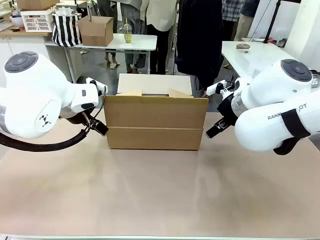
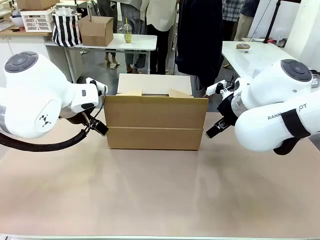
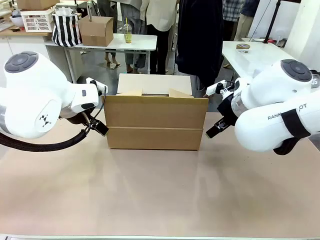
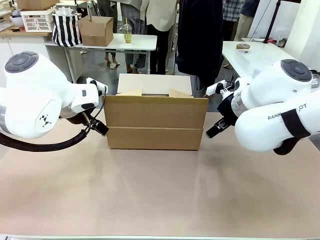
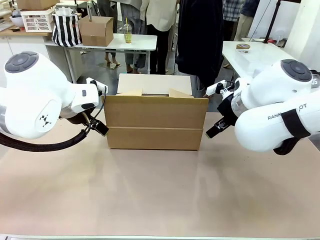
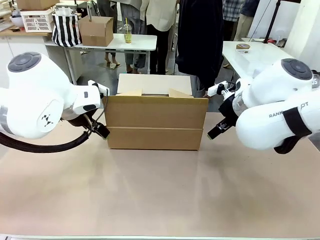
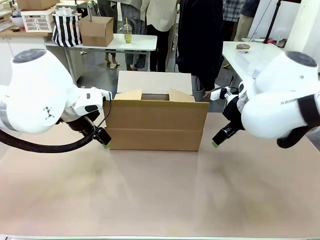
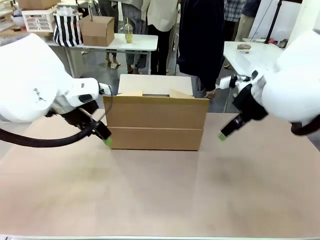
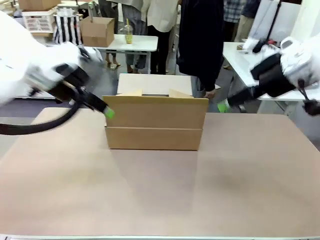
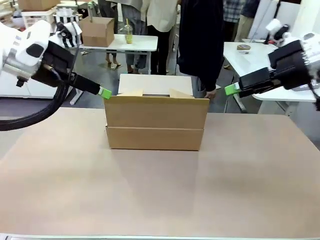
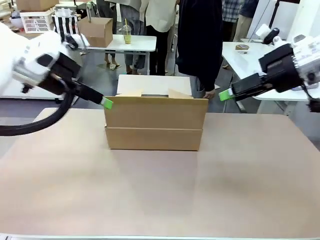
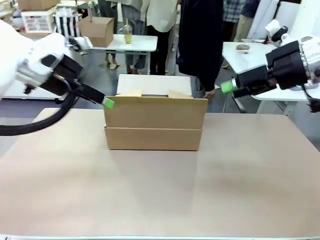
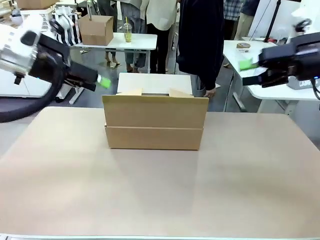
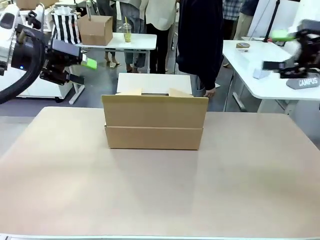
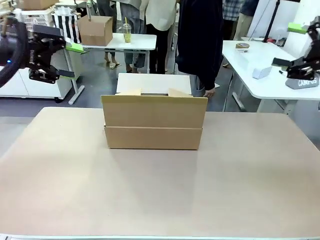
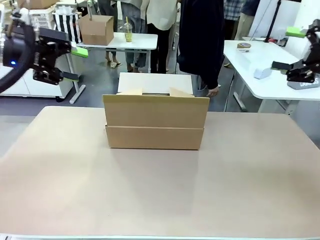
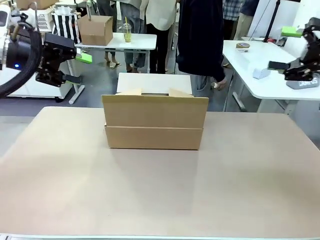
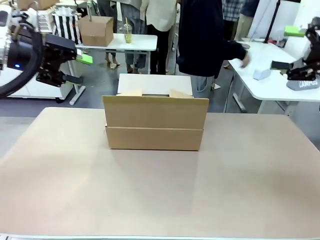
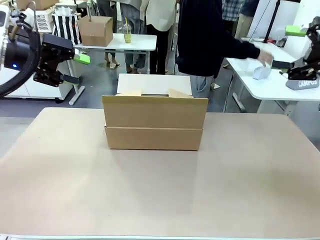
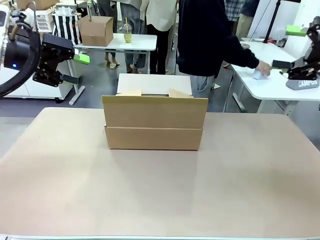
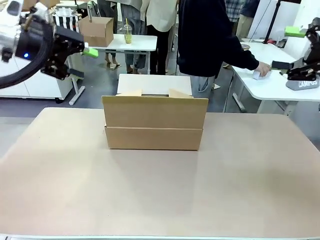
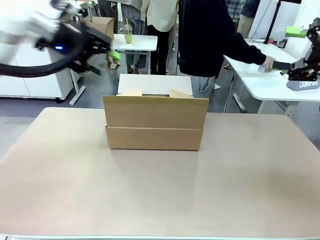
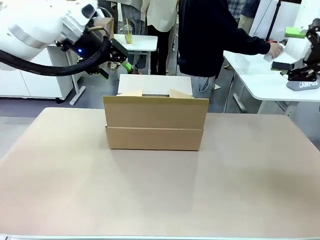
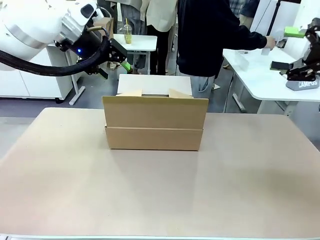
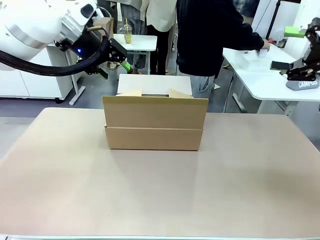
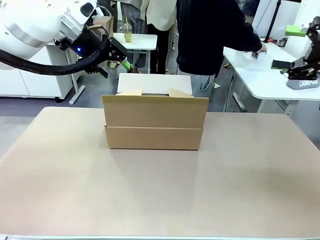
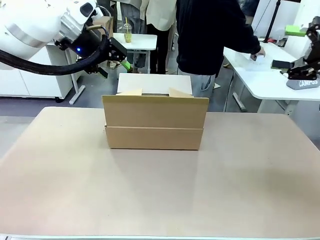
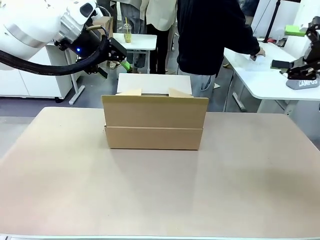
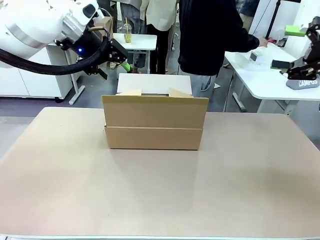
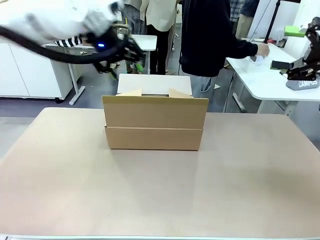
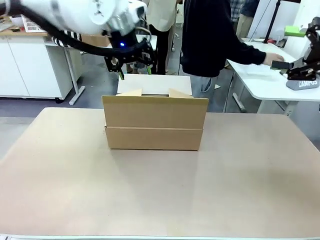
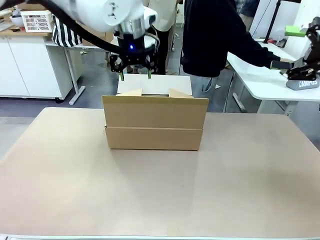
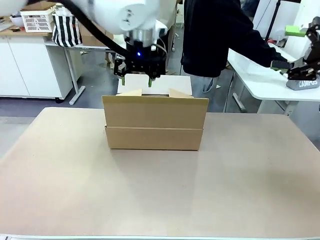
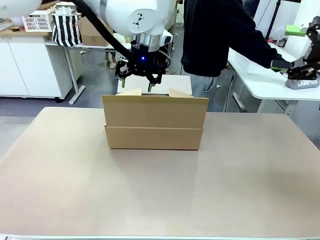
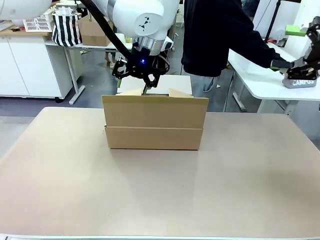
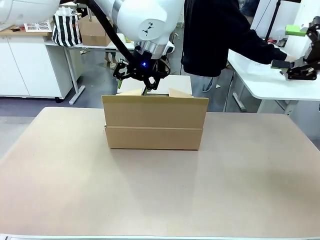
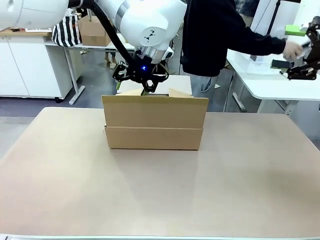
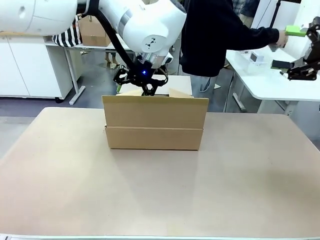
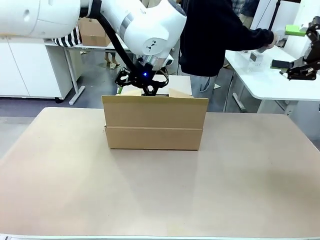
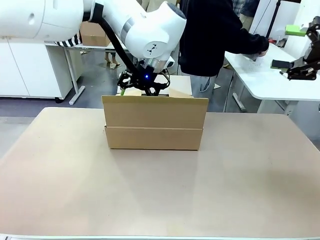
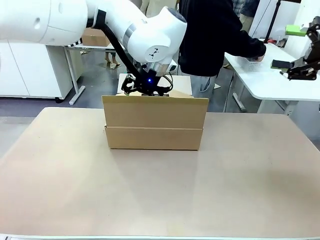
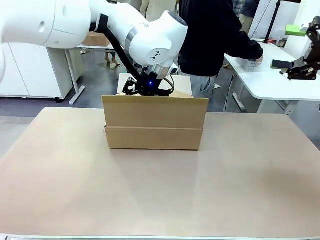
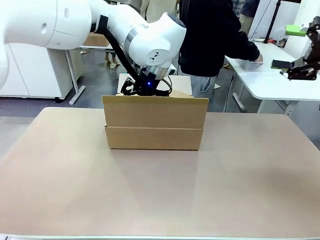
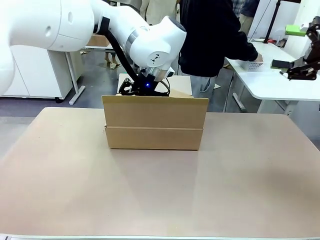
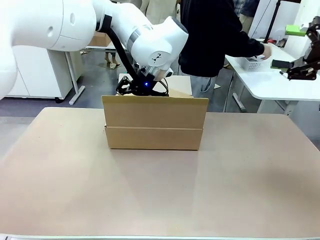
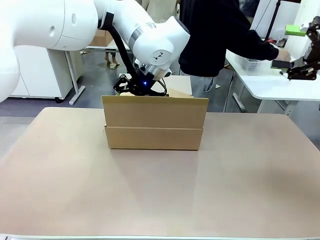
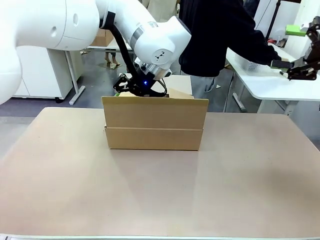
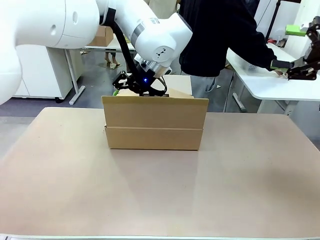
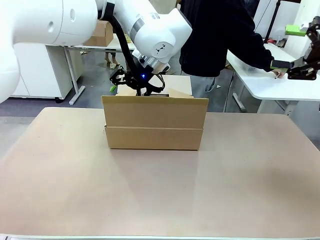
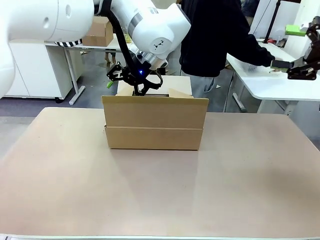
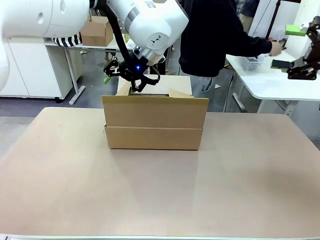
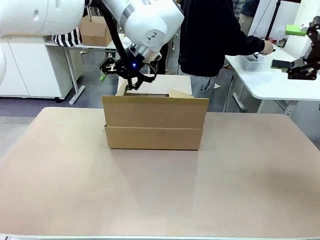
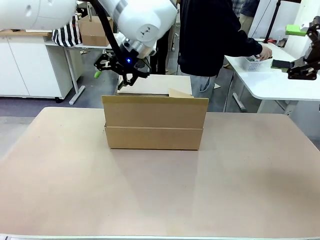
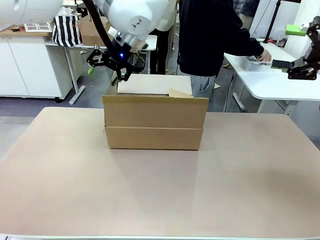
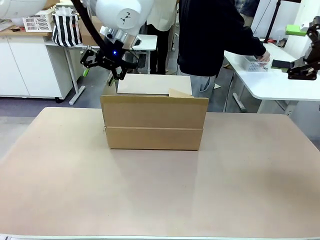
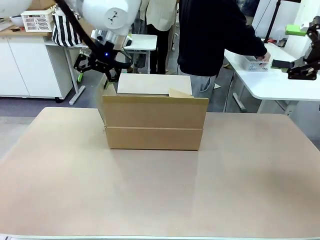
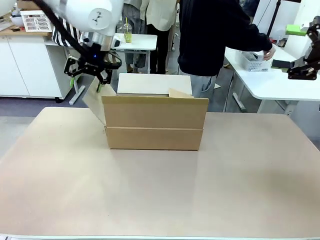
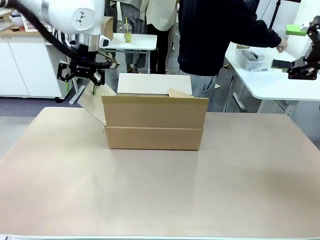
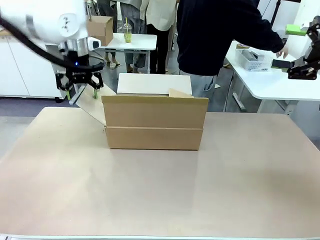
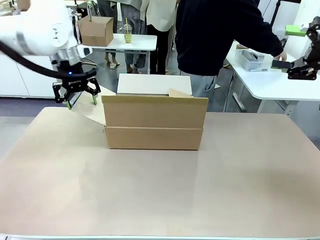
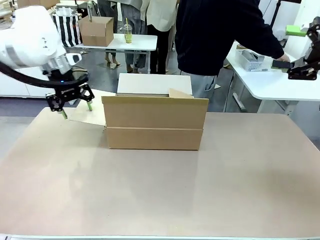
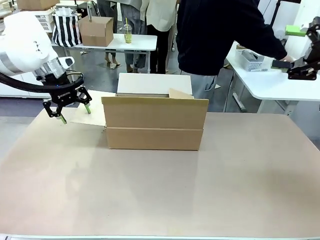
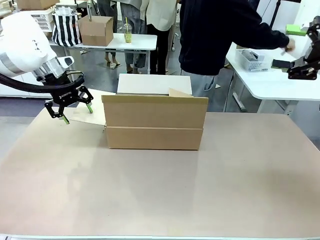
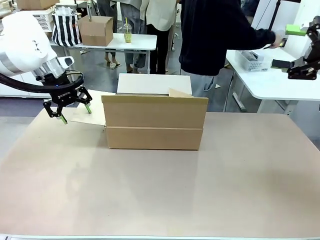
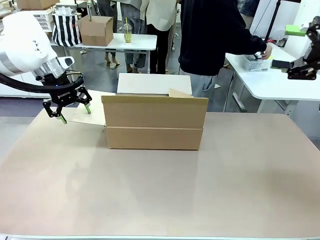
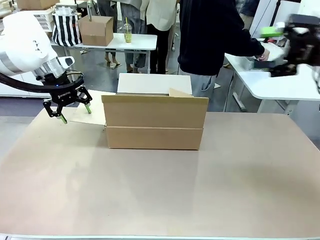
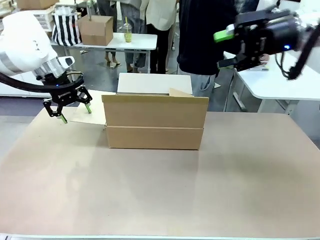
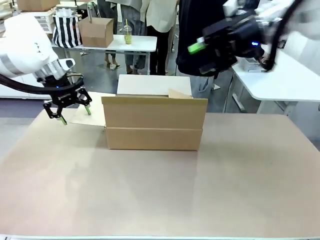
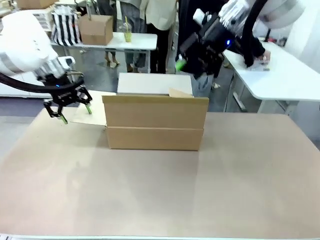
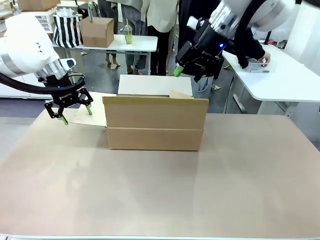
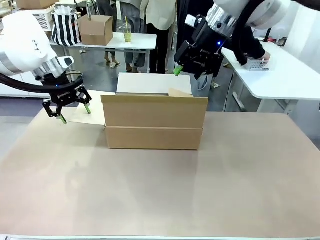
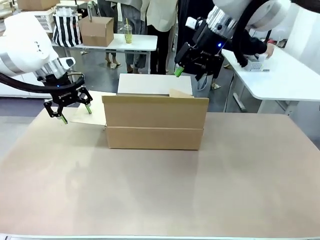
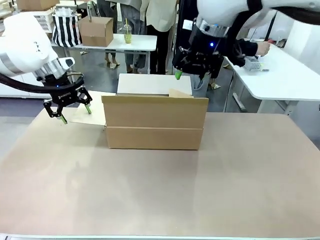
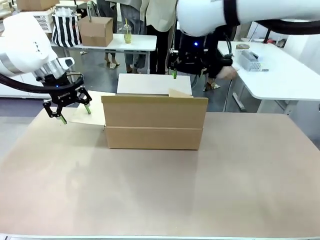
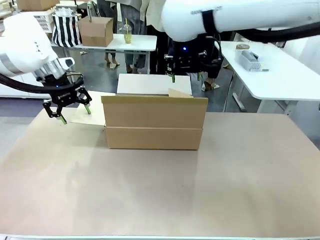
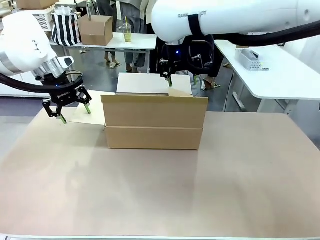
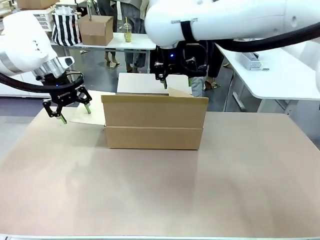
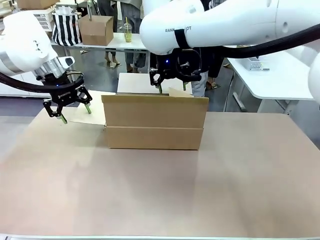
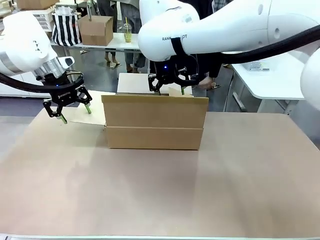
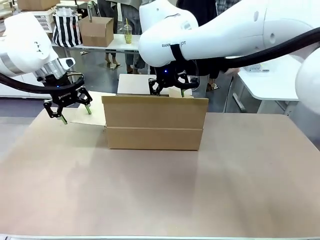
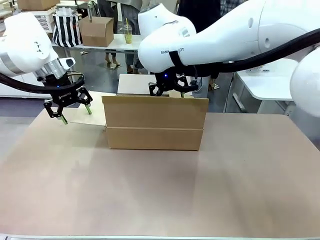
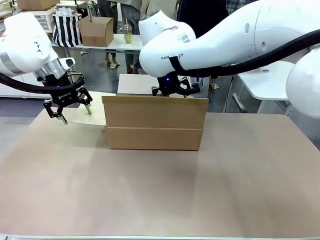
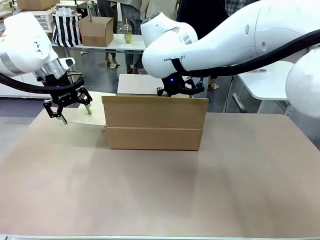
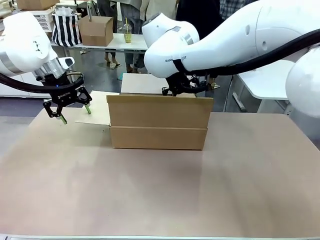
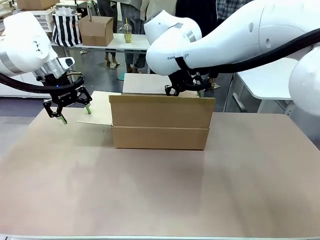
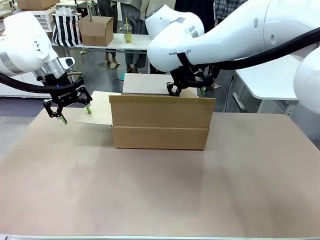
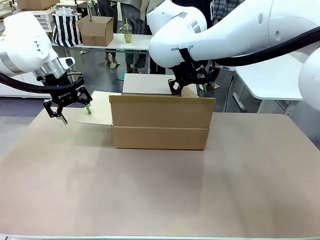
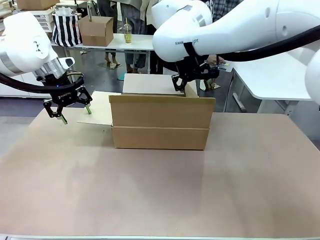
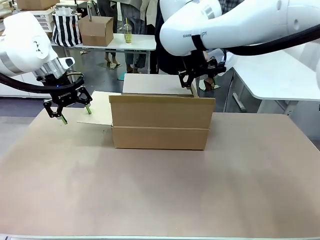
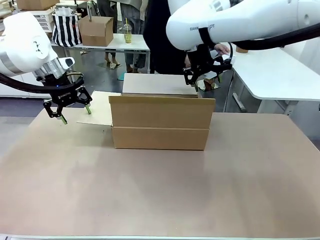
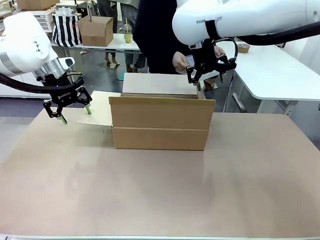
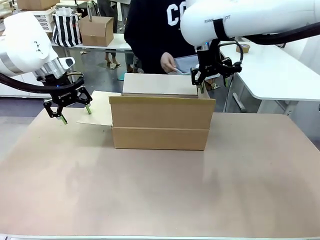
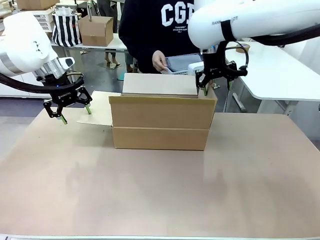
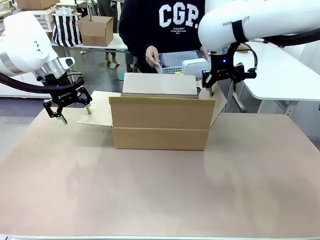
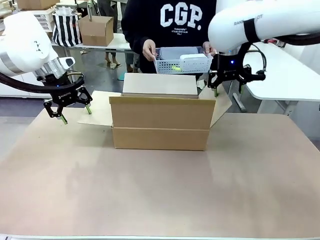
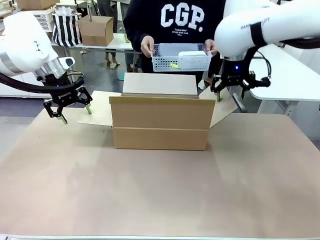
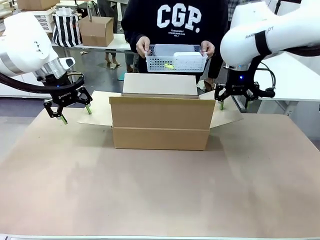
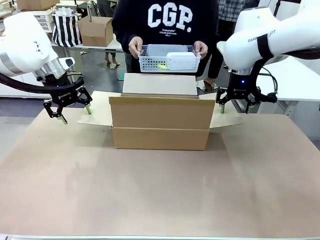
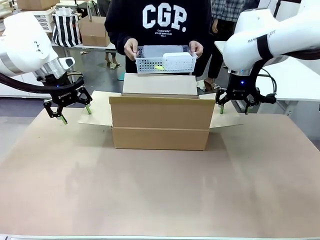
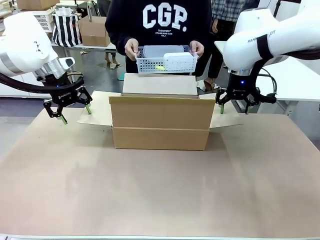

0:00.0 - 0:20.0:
Task: Pack the gift set into the box.
Robot: Place both hands on the side flaps of the Package Box and spread them outward.
Person: The human places all items except the paper tape into the organizing basket. The human picks up the organizing basket and places the organizing basket into the package box on the robot table.
